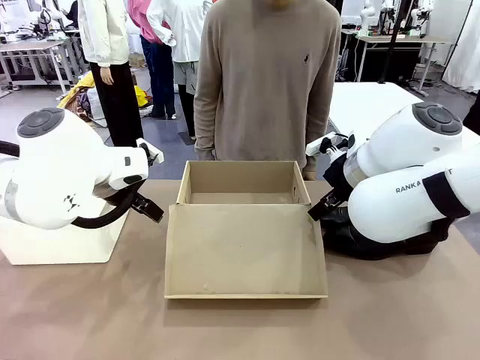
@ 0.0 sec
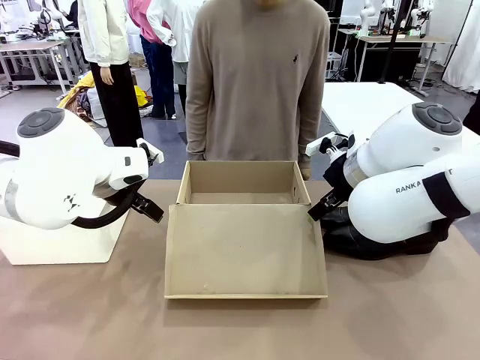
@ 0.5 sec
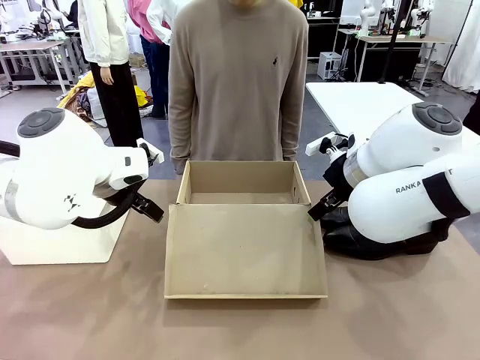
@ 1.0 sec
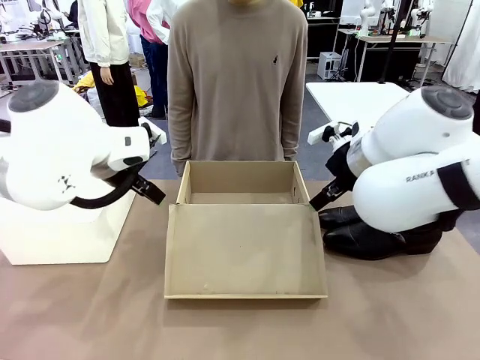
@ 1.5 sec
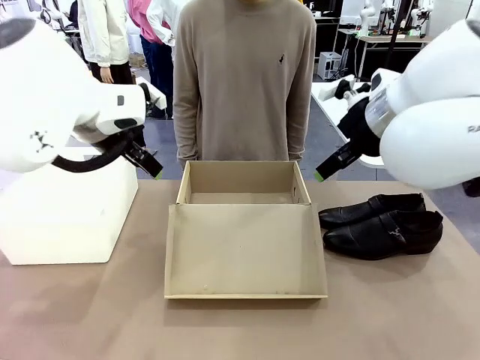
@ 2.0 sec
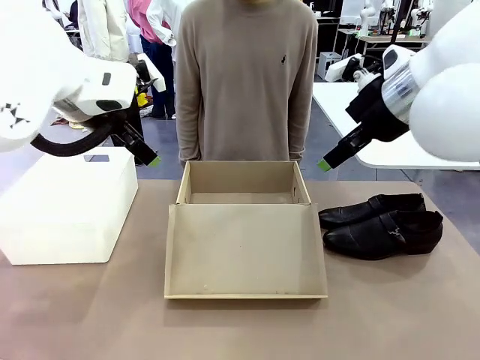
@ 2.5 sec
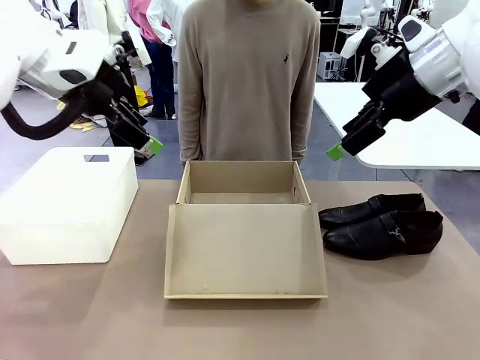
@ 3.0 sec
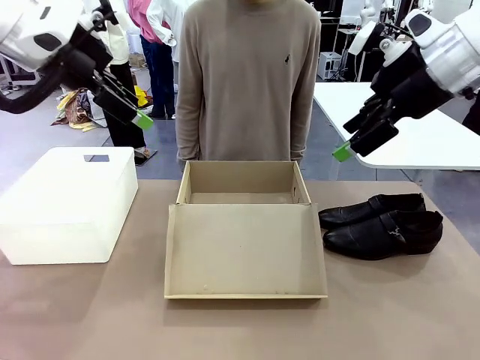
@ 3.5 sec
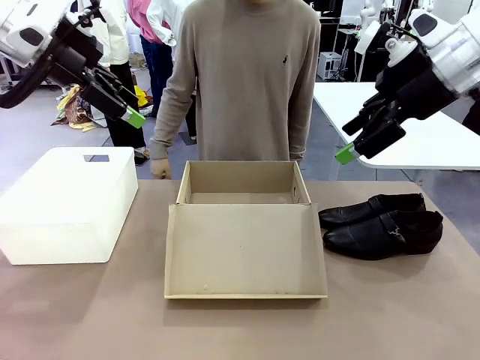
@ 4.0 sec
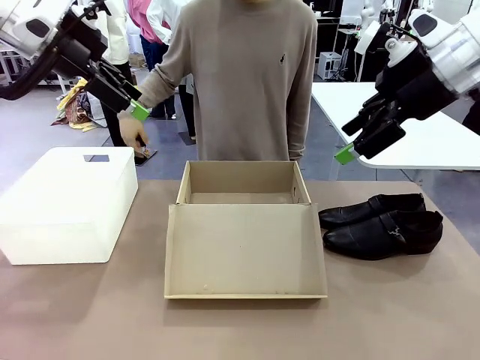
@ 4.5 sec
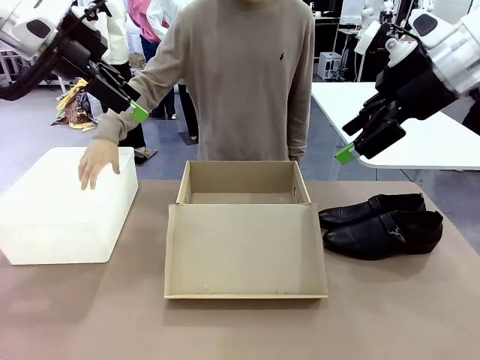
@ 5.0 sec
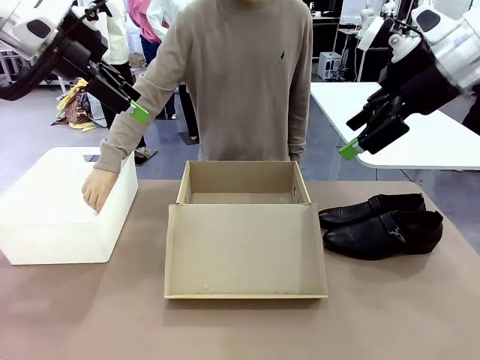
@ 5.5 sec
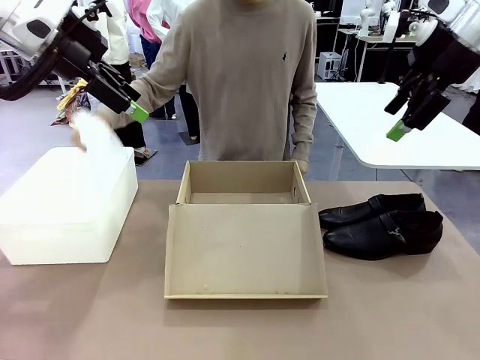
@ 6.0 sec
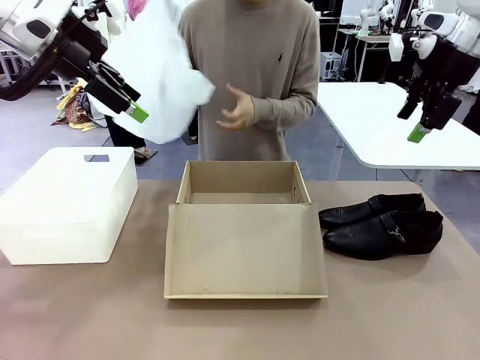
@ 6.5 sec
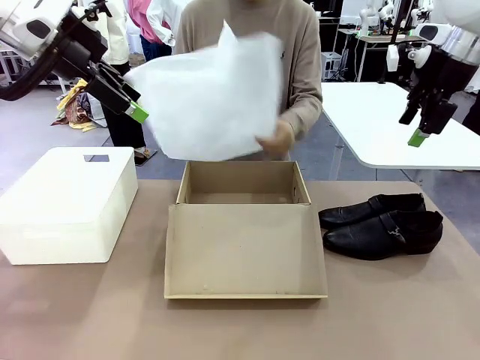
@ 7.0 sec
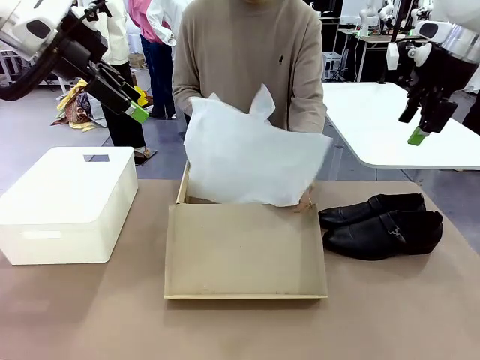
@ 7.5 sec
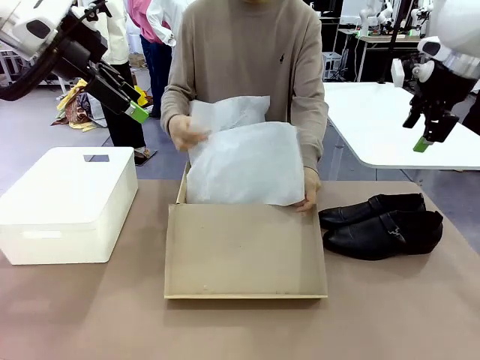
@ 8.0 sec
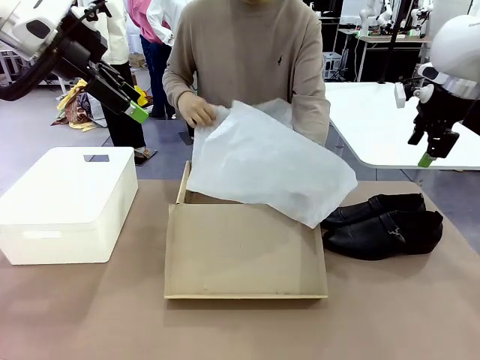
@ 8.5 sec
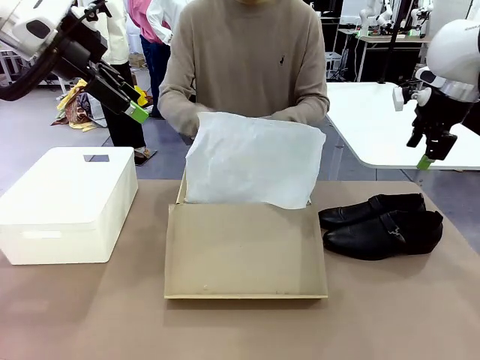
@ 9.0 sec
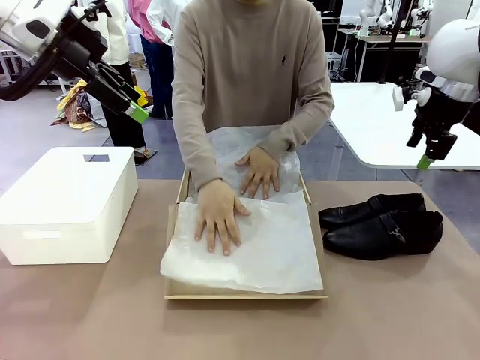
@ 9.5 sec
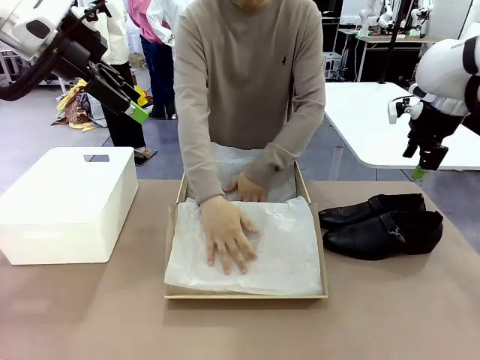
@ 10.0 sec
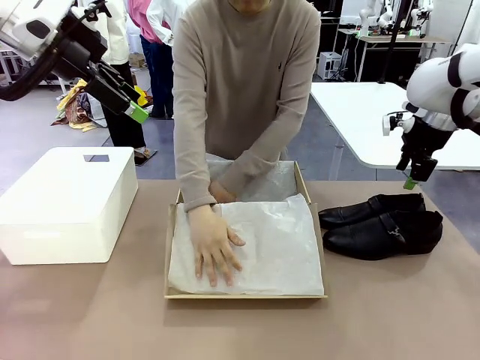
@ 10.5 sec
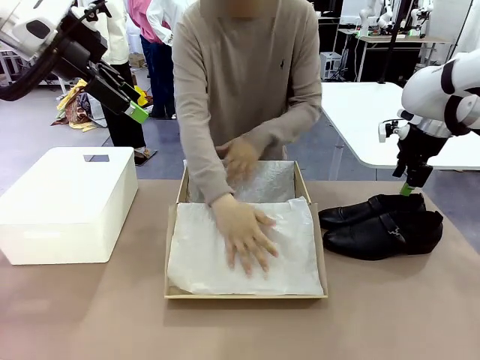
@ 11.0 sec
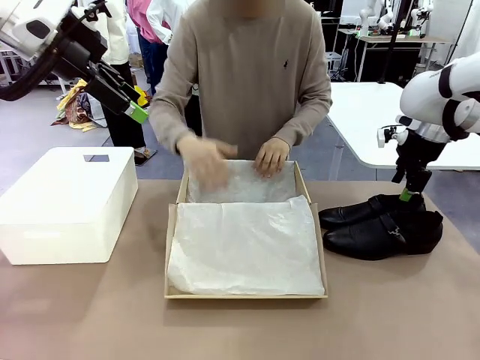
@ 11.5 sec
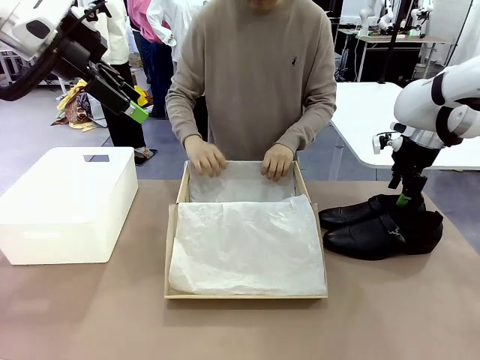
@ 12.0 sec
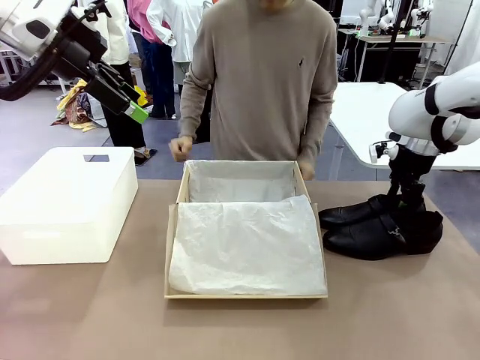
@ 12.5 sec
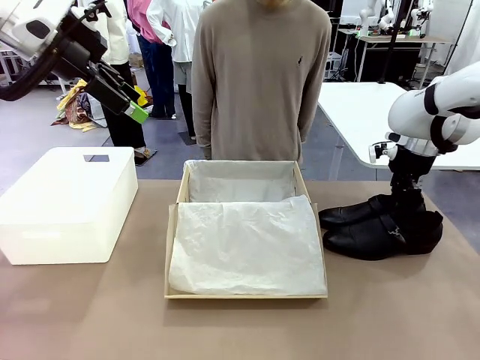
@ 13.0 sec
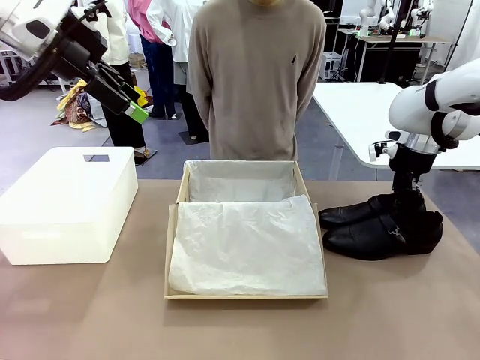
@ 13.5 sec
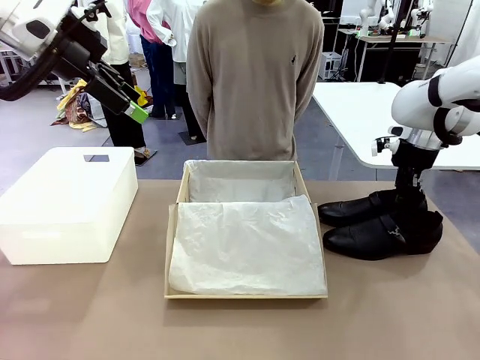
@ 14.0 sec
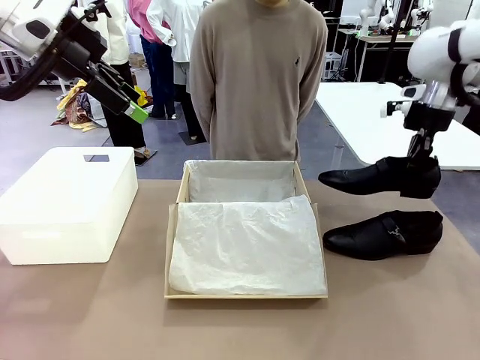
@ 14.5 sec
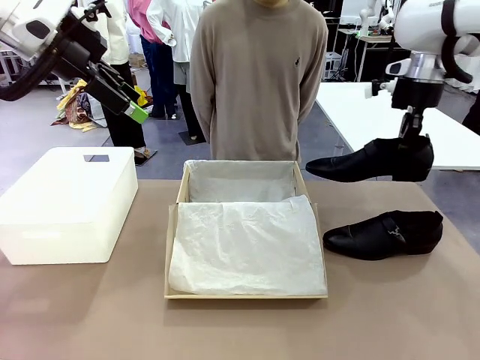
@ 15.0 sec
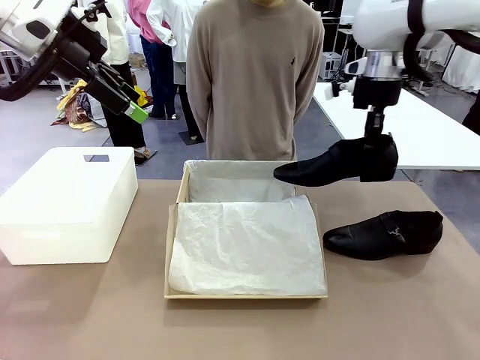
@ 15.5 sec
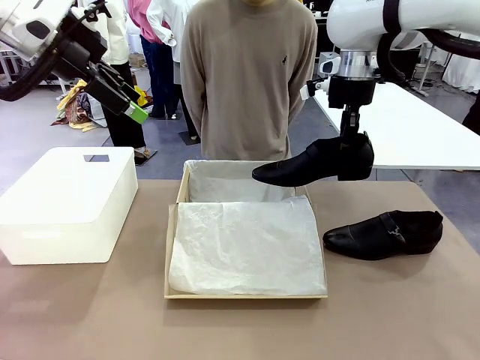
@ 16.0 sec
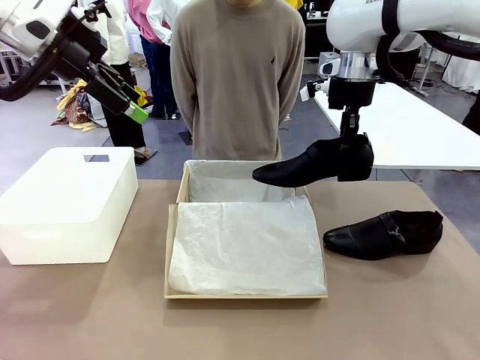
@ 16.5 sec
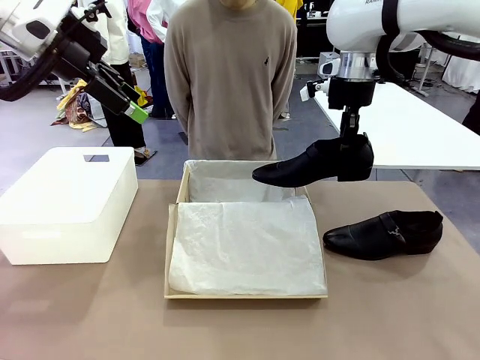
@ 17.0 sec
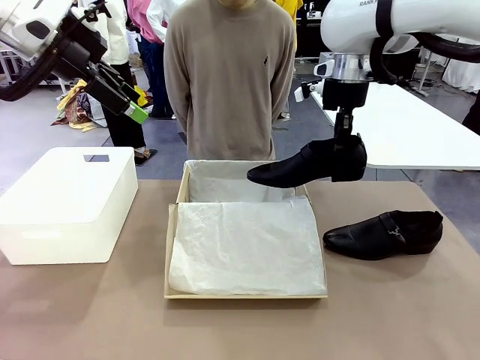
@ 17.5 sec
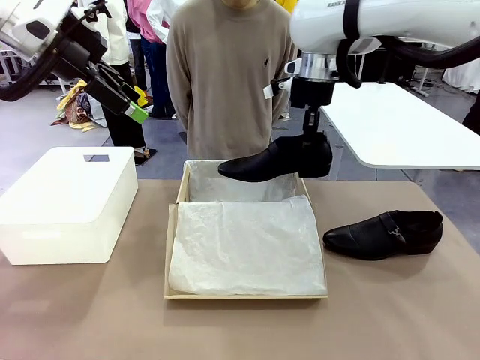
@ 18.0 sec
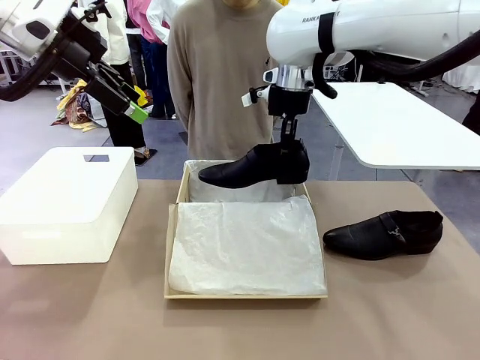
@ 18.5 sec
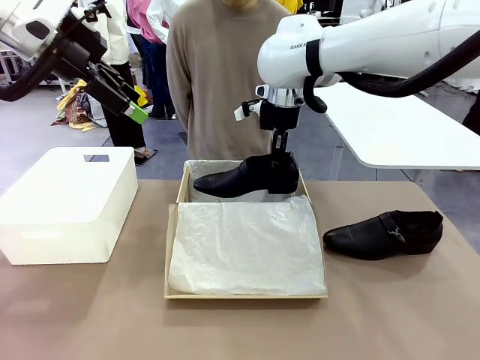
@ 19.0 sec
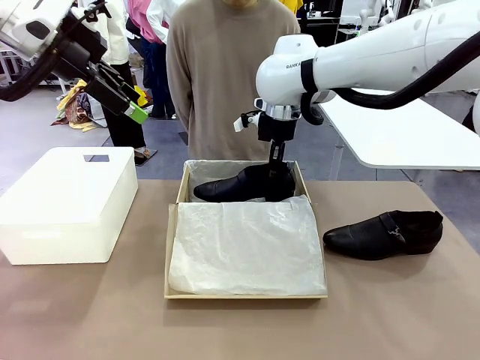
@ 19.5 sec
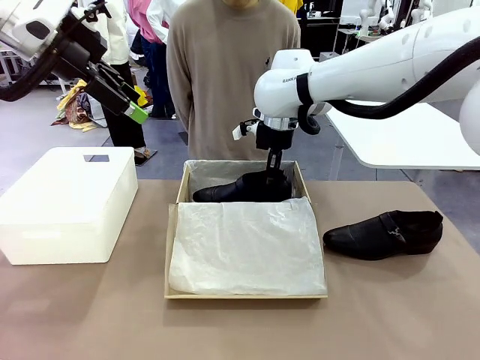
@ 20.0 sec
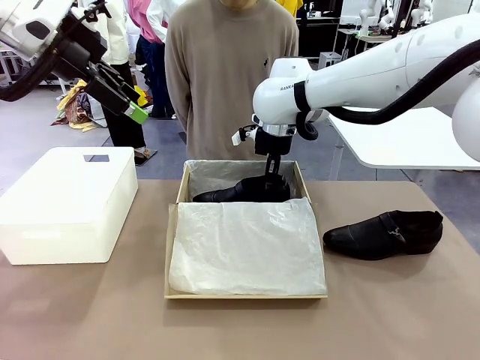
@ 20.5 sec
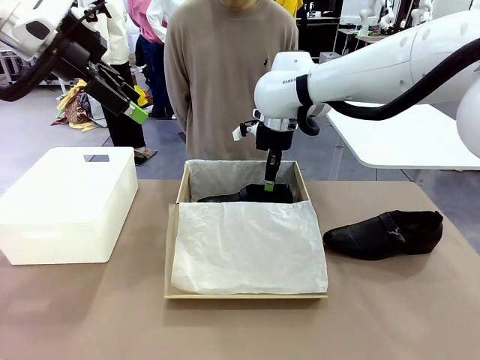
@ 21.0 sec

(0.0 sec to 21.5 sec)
Task: Pack the shoes into the box.
Robot: Place one shoe of the Shoes into the Shoes Box.
Person: Spread Shoes Wrapping Paper and place inside the Shoes Box.
